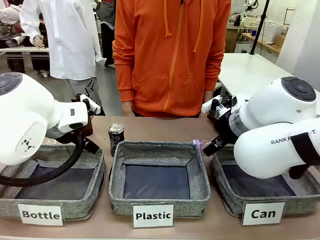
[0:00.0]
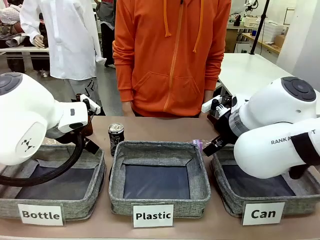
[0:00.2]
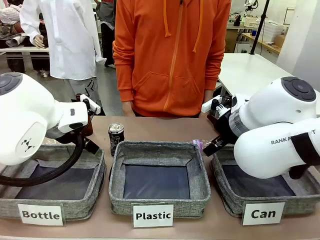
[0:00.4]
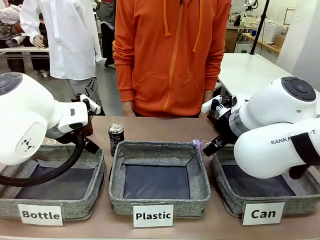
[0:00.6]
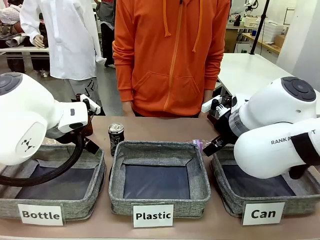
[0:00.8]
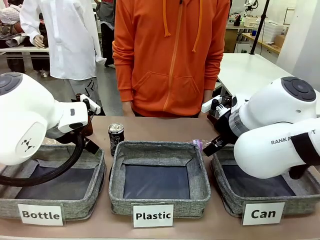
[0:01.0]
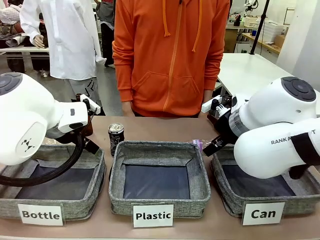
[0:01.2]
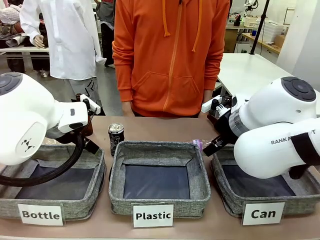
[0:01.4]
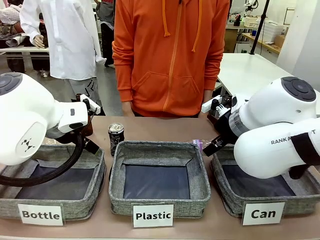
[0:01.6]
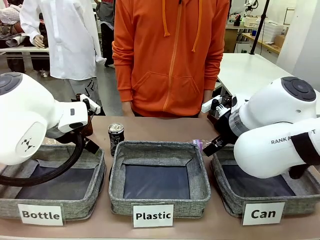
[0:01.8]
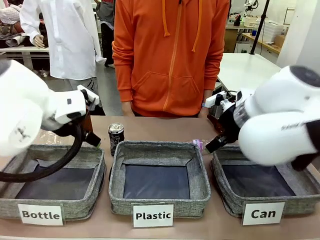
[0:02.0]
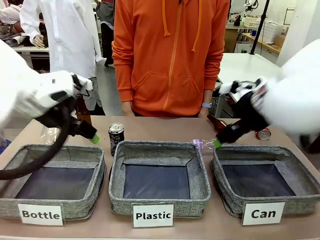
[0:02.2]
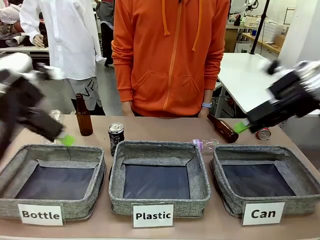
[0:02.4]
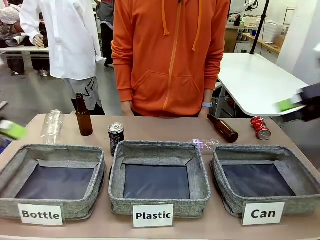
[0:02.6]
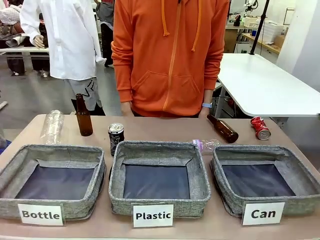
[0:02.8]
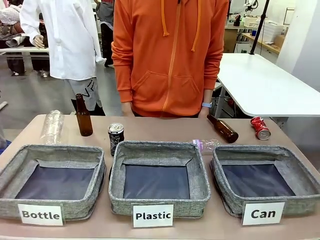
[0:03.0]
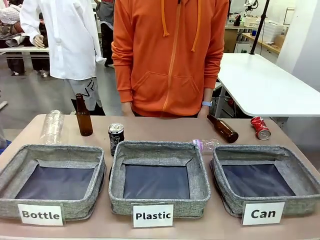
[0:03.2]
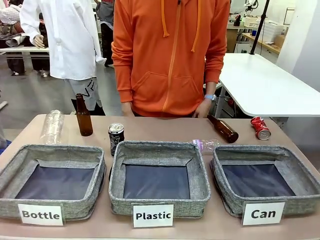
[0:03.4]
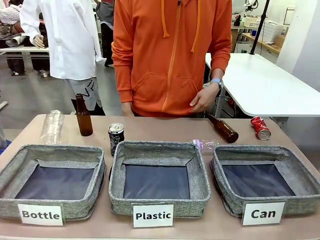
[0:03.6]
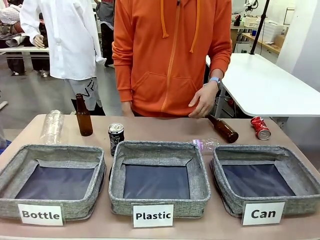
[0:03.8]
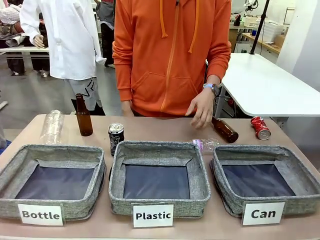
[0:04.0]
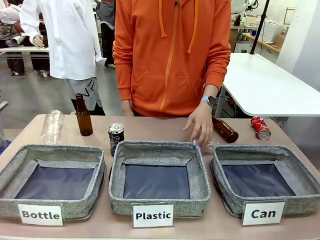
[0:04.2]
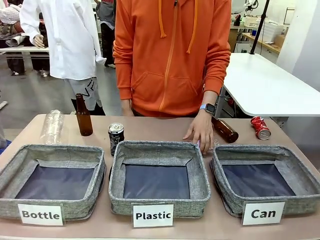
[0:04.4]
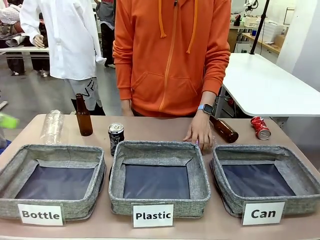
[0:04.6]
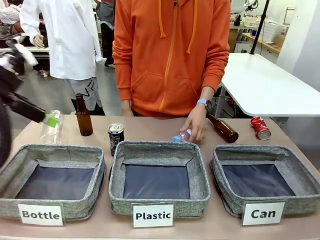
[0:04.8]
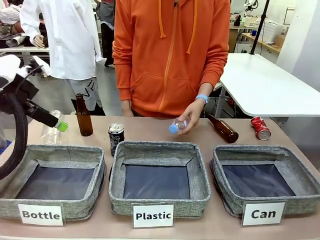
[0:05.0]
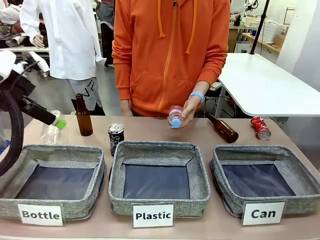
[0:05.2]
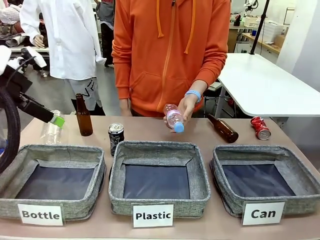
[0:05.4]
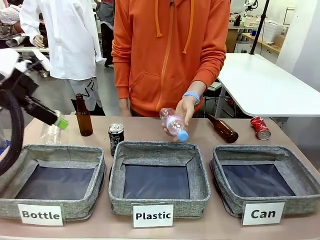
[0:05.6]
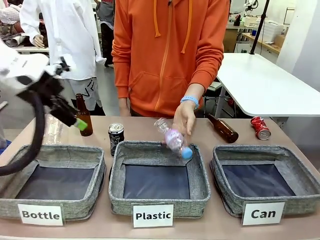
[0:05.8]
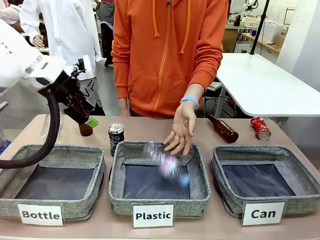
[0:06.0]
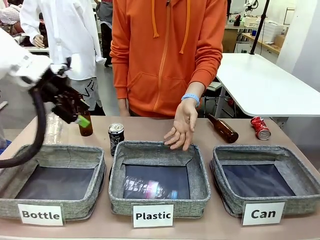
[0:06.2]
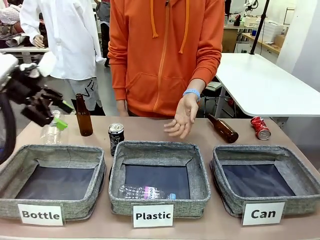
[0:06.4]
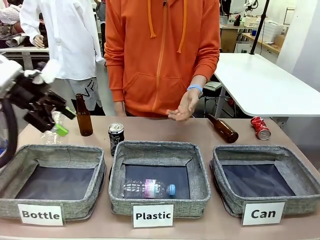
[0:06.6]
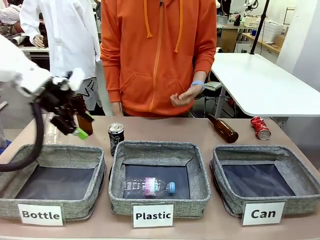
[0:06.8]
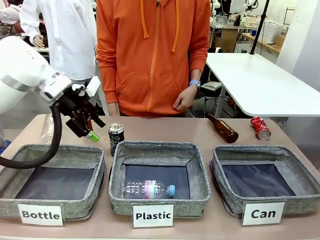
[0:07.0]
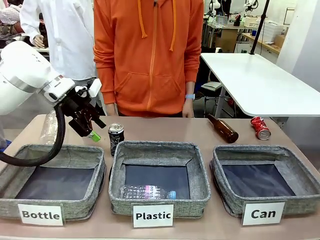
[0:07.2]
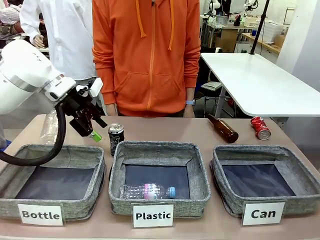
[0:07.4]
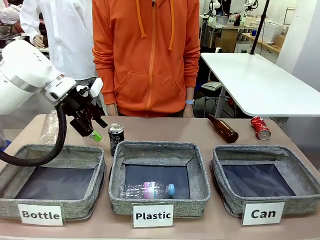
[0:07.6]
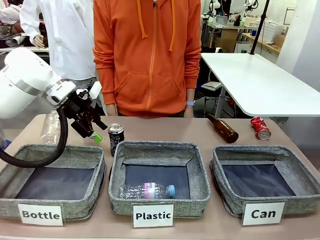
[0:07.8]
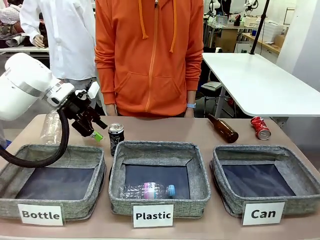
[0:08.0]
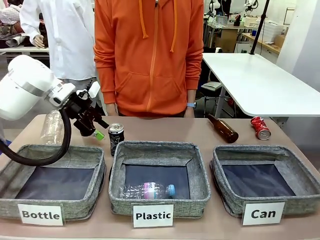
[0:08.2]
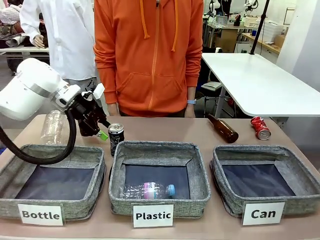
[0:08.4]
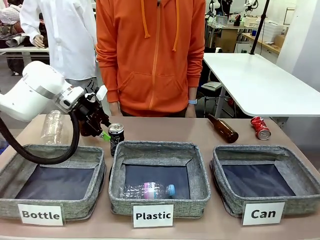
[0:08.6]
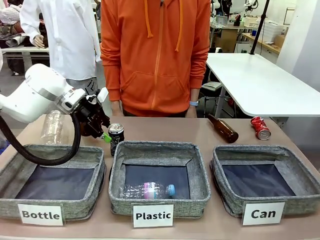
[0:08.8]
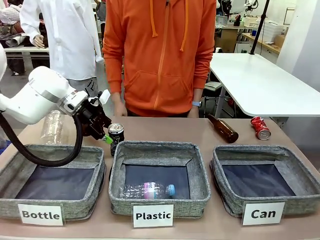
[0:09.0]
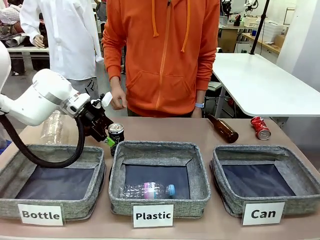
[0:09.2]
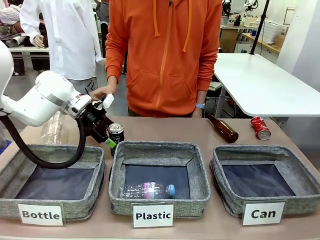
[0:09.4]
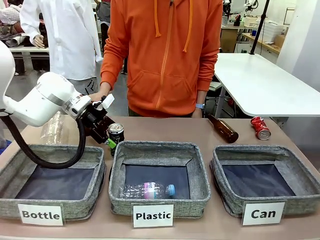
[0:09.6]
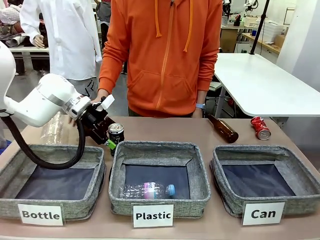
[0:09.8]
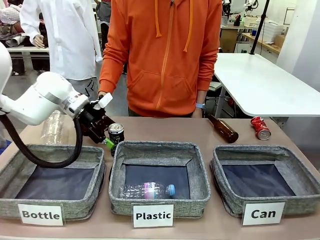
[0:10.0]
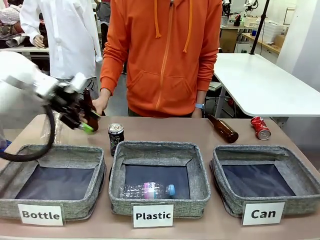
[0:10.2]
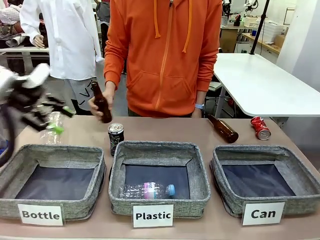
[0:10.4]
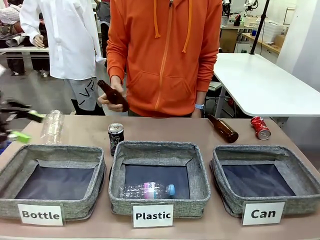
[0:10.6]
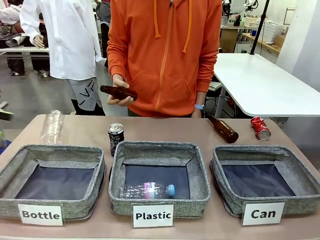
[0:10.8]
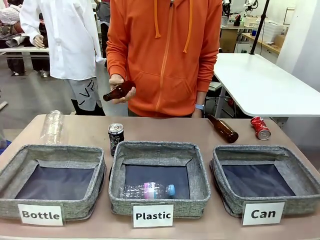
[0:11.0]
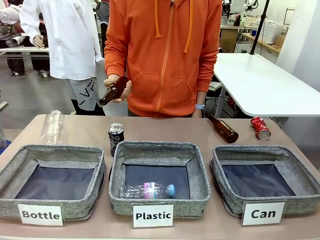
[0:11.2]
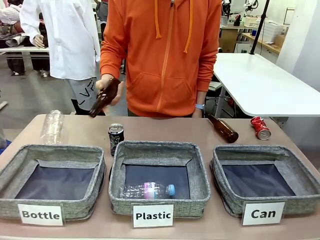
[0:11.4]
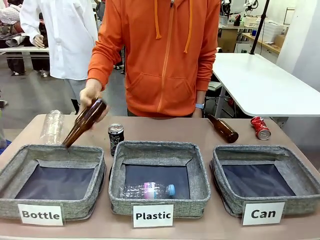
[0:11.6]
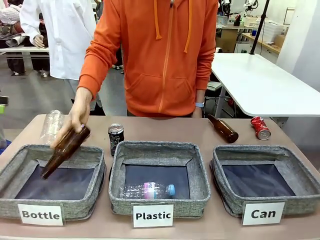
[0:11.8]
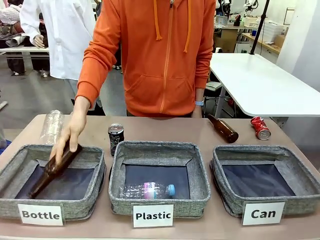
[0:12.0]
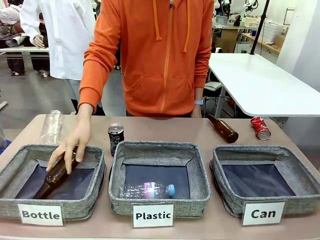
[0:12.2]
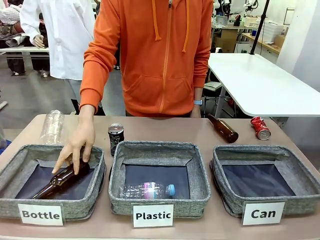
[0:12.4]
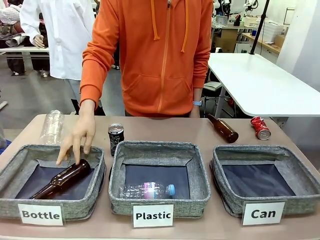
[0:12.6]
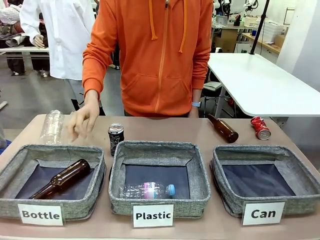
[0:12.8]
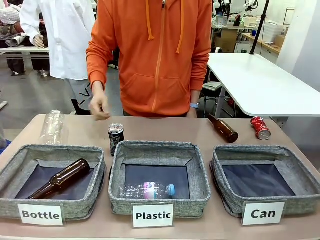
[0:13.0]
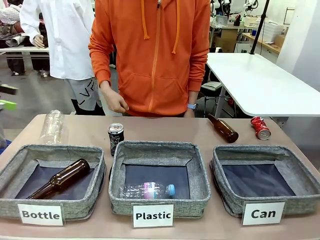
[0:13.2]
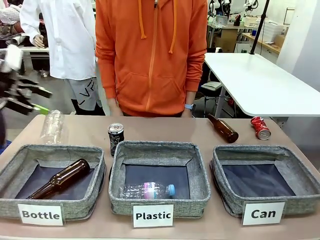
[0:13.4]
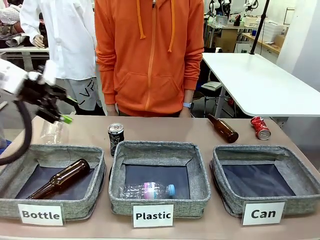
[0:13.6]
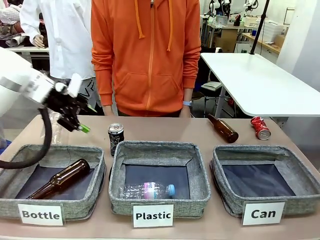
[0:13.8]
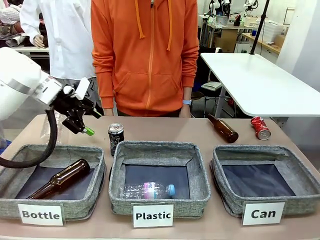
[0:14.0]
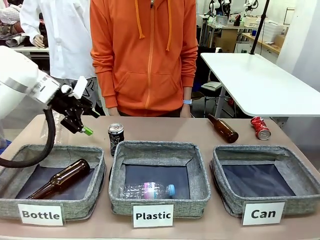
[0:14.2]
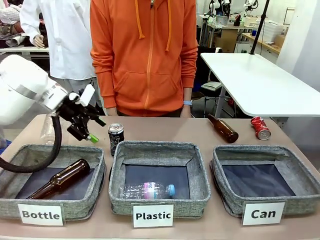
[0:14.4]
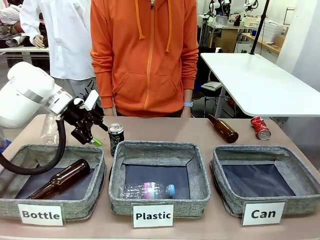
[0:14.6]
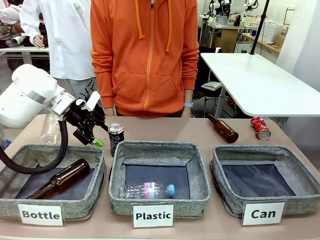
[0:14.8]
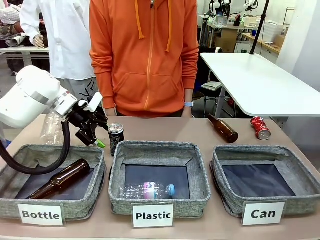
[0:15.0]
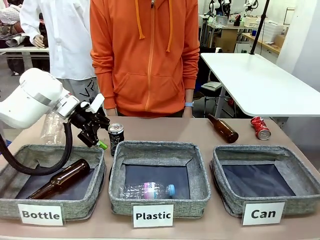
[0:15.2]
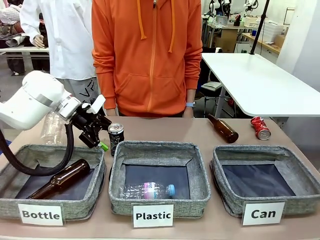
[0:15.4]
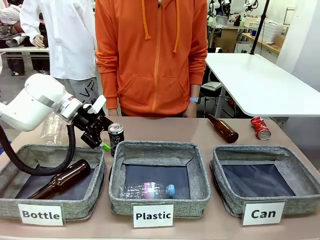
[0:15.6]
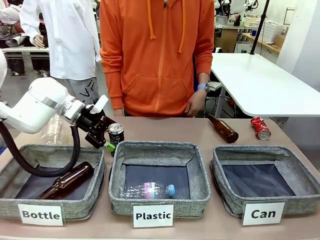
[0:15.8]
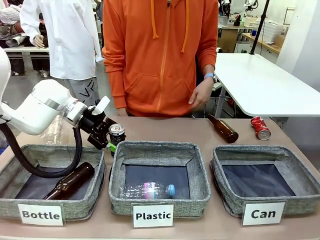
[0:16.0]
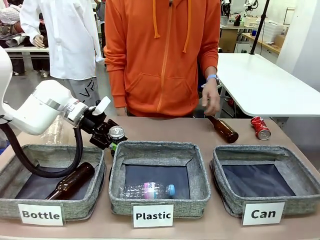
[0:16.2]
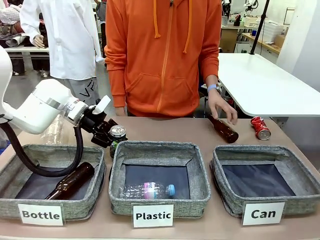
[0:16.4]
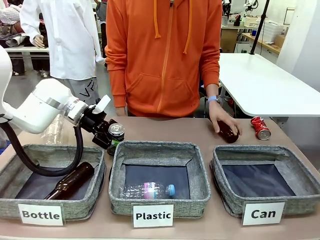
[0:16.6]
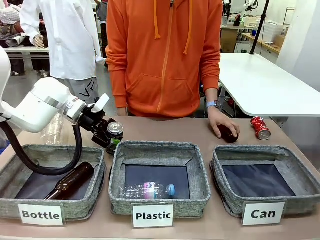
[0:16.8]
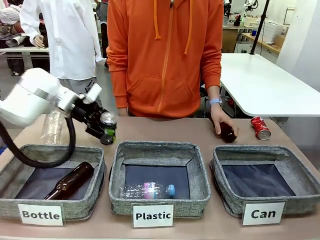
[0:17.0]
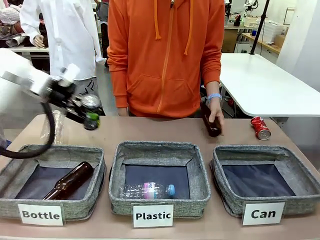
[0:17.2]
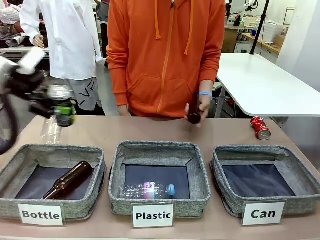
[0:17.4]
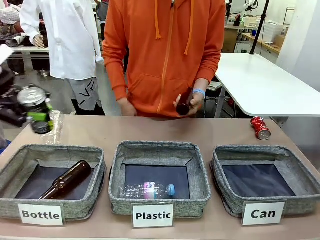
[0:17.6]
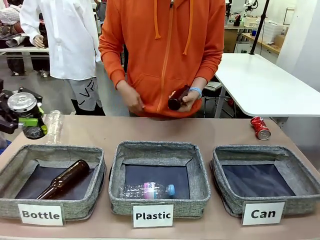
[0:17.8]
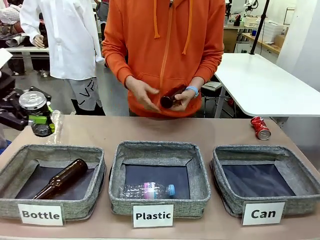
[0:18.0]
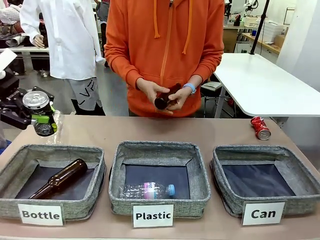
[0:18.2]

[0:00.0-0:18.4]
Task: Sort the can waste into the basket.
Robot: Pick up the can waste from the table and place it in the right Fabric basket.
